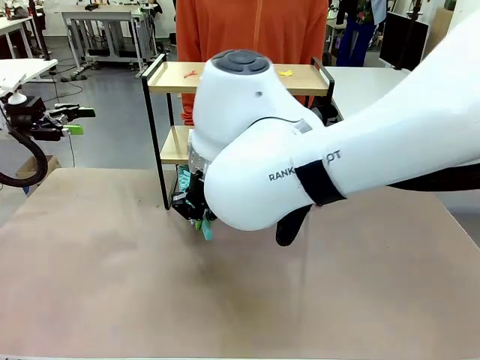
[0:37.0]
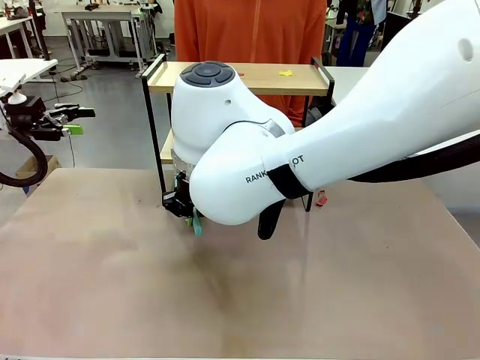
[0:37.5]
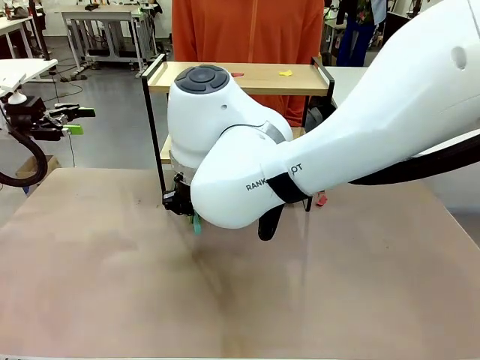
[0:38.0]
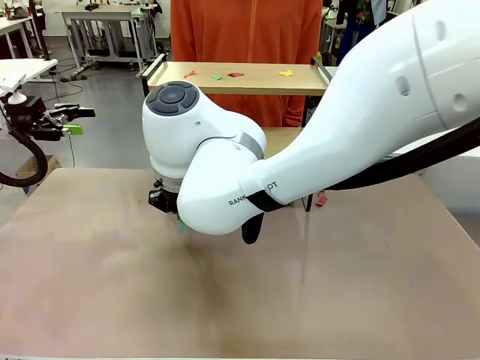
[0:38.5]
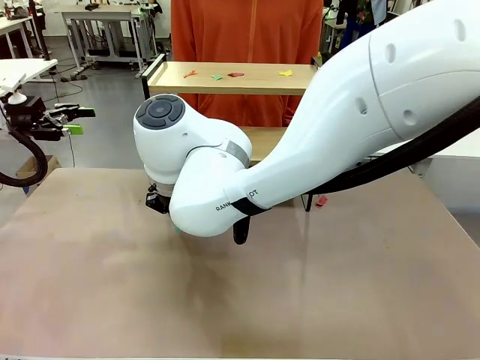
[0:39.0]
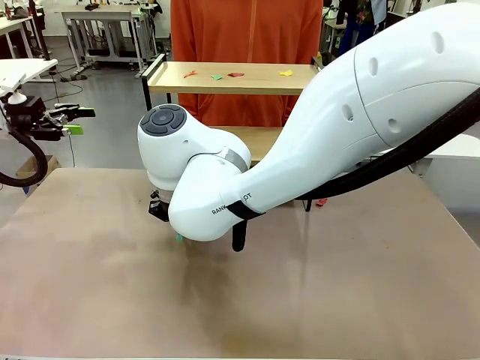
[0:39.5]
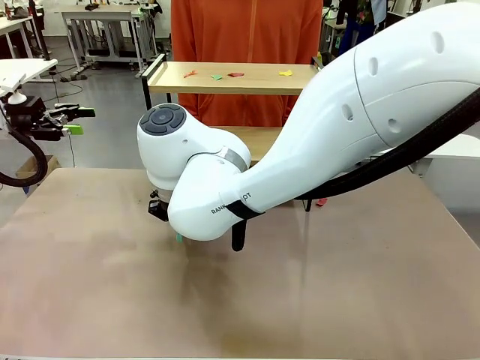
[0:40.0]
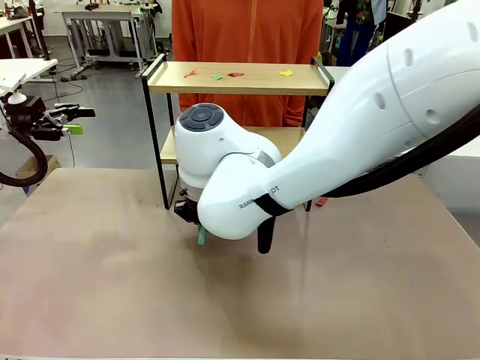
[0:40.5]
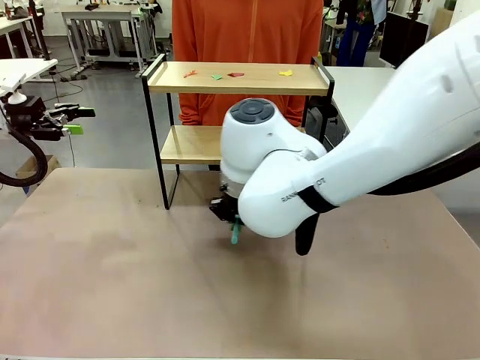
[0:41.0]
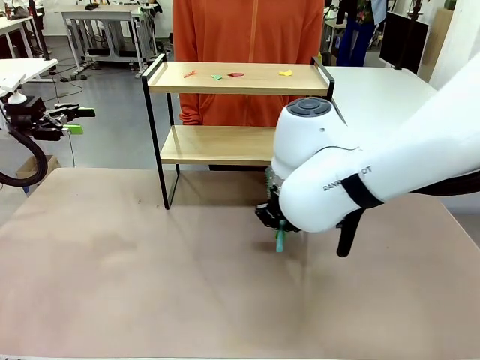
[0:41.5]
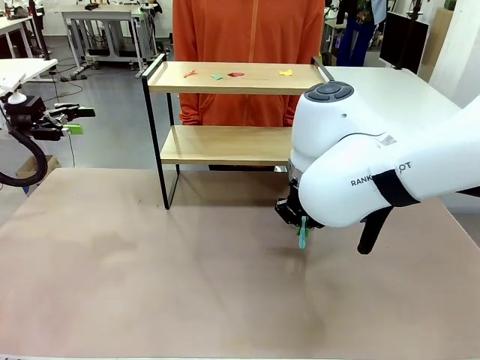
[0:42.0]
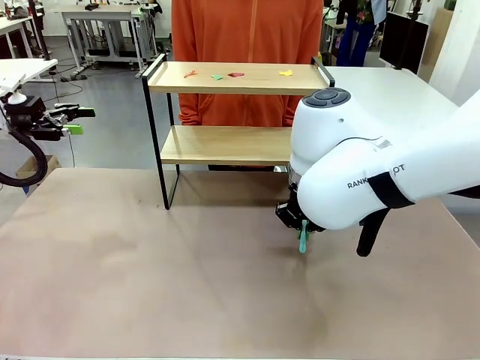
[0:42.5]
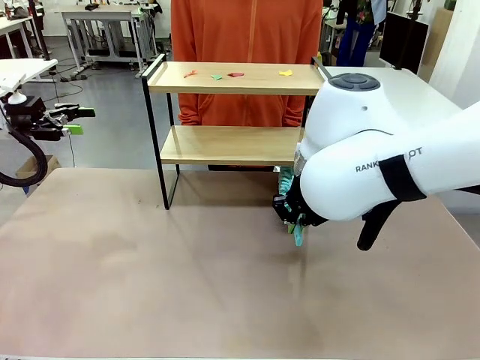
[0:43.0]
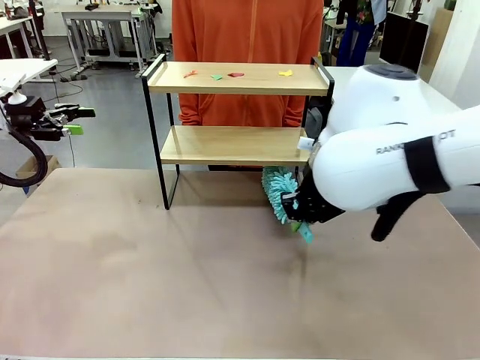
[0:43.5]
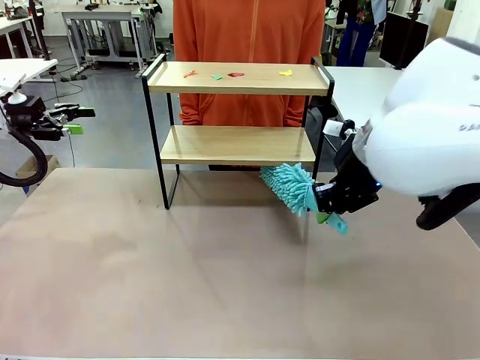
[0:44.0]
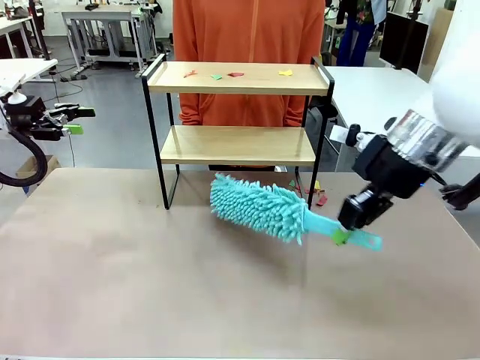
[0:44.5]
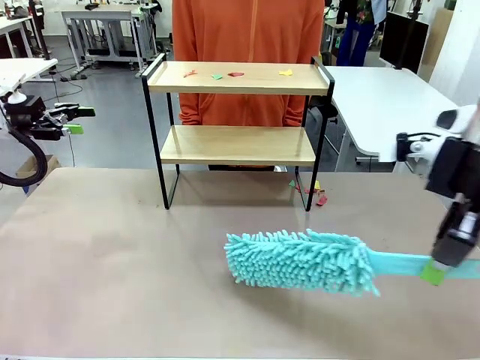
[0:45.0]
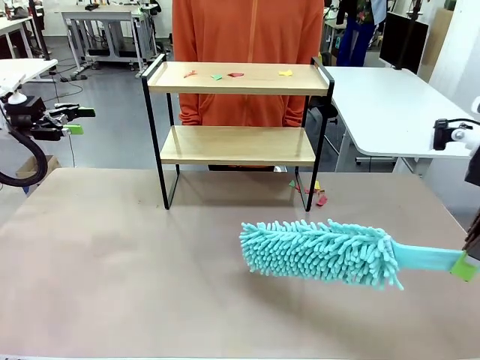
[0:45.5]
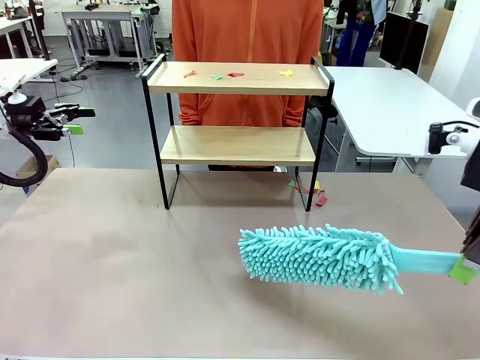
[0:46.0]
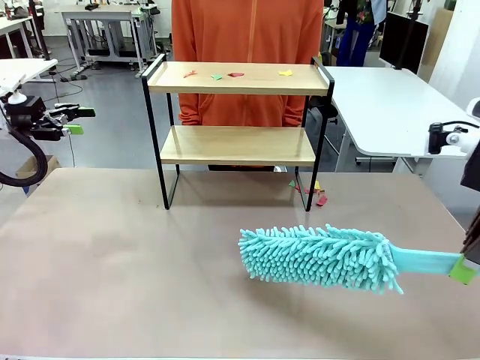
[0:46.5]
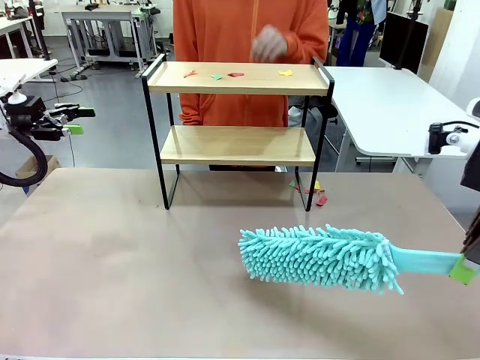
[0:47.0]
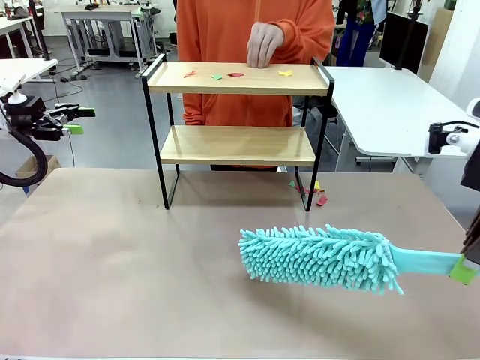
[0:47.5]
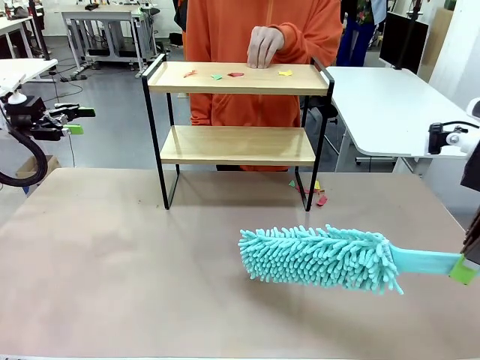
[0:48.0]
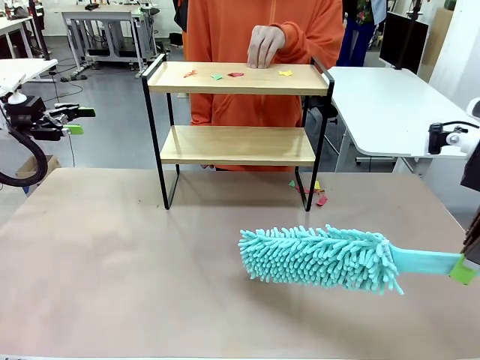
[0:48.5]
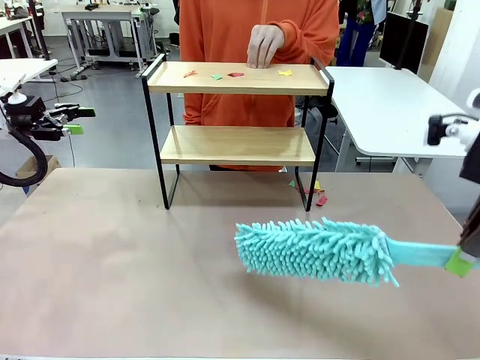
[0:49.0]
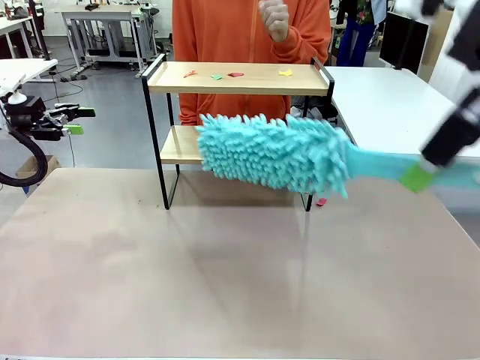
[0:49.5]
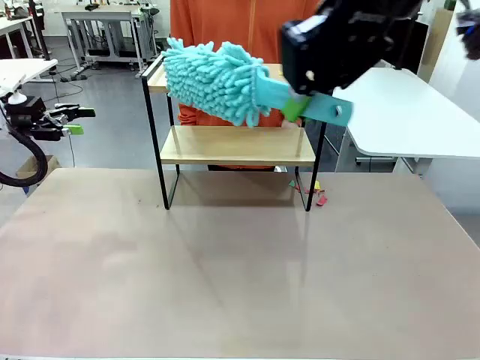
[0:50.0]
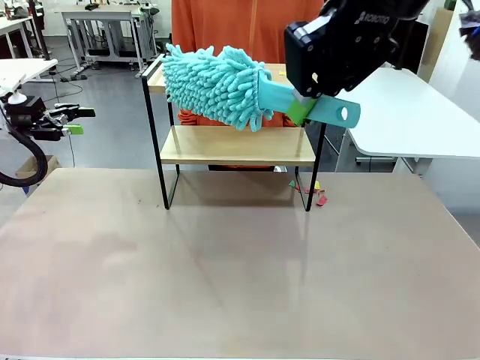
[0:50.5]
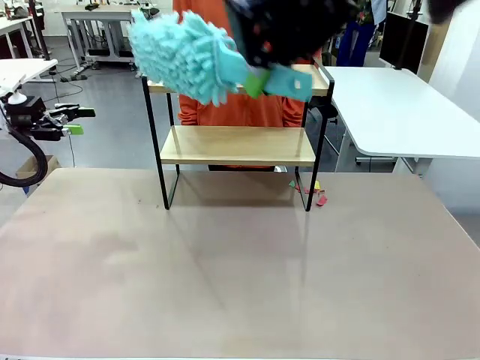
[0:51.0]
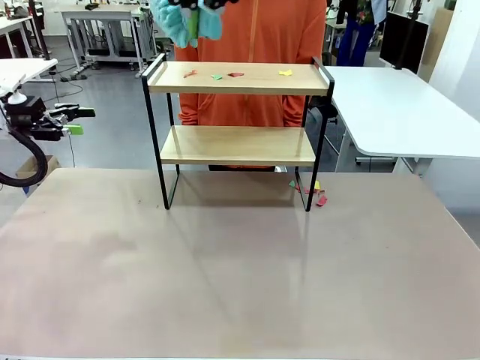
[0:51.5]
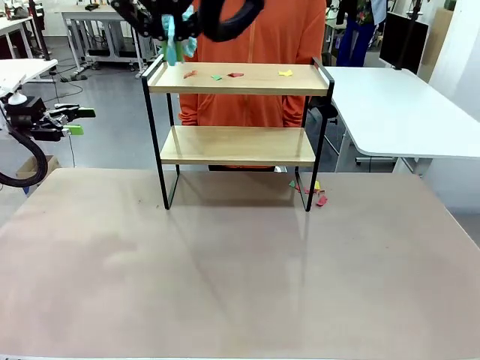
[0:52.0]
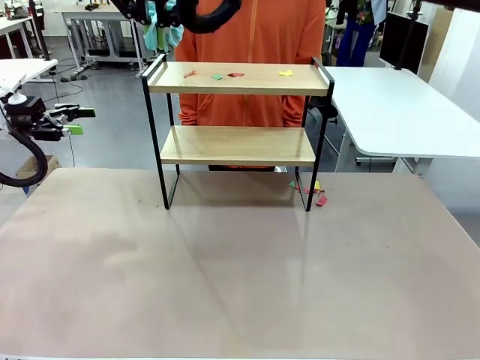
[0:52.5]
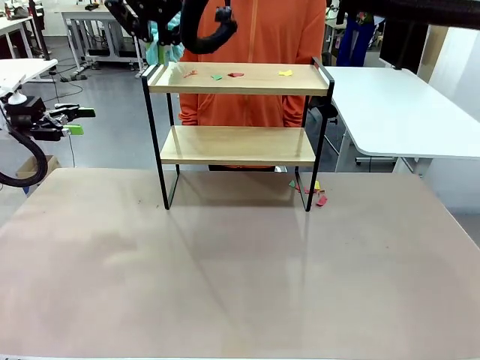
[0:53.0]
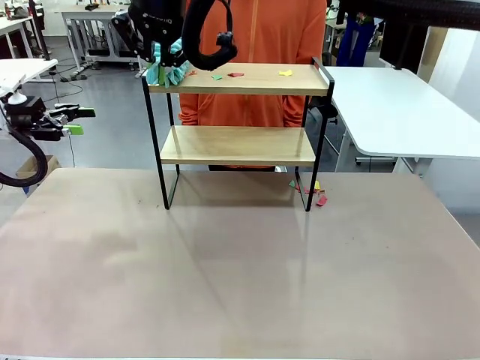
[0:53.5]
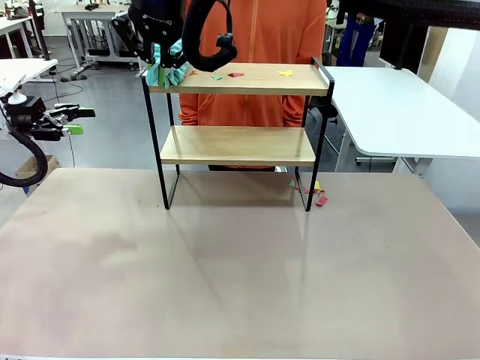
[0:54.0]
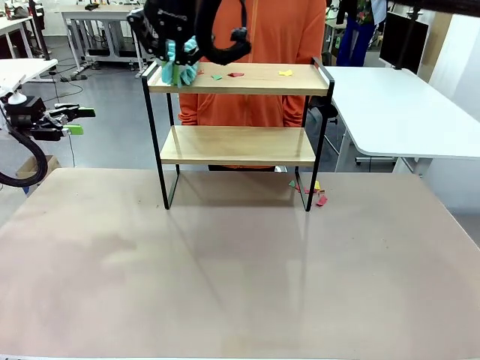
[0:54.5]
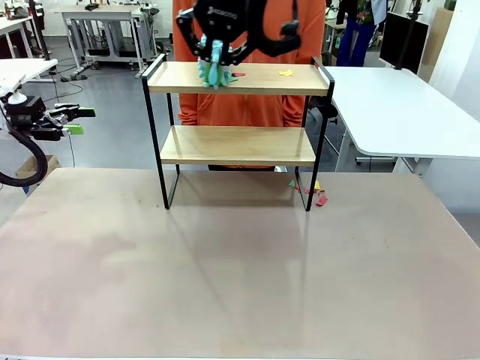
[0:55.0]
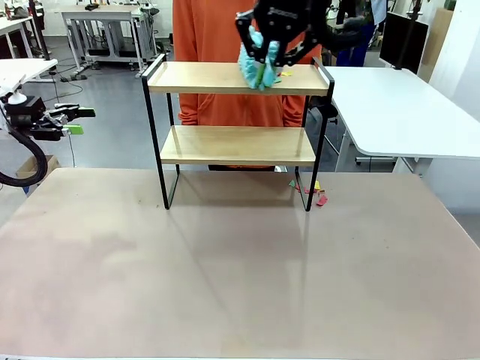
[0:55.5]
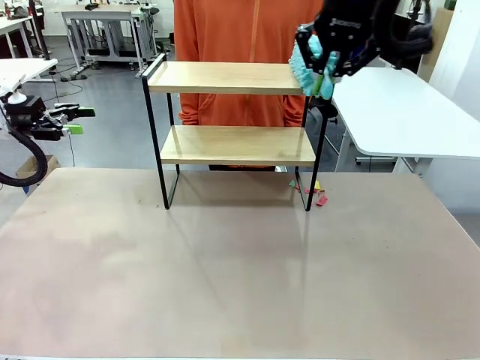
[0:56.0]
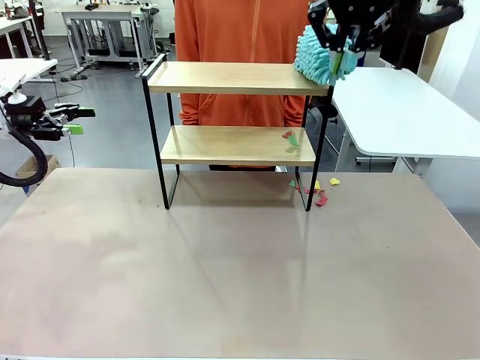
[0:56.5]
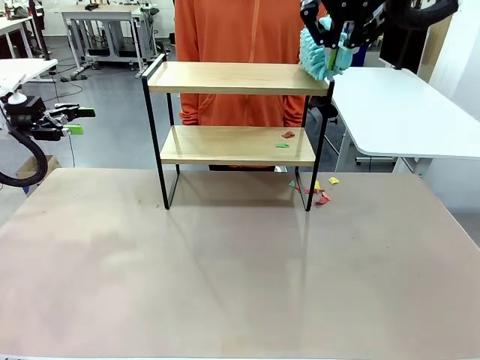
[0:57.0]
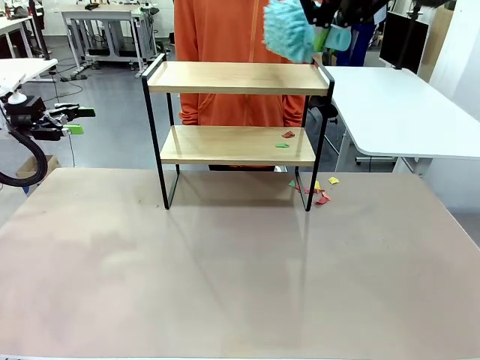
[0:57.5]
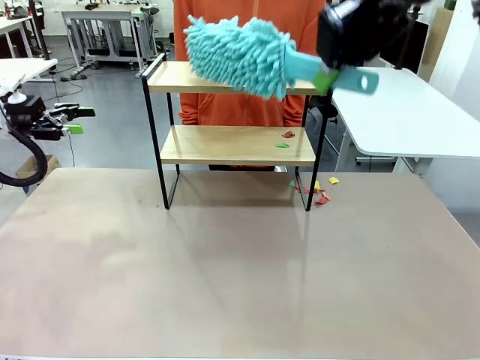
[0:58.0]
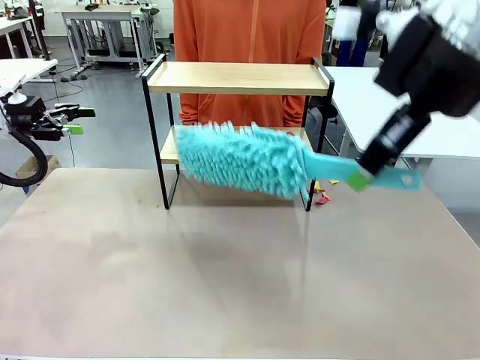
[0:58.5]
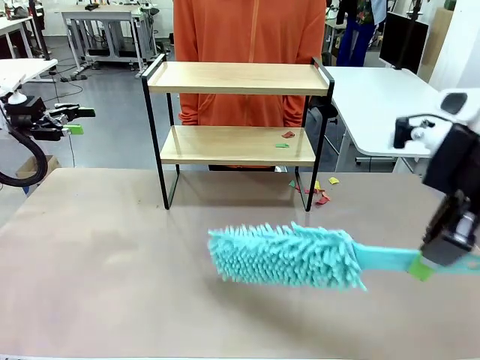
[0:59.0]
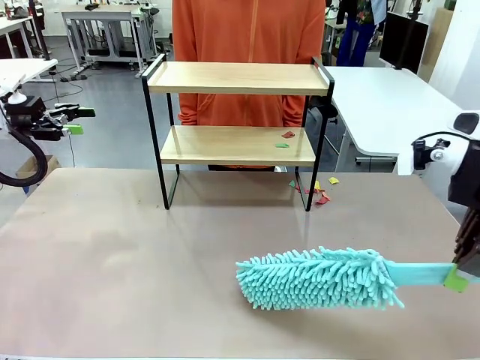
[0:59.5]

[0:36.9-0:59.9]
Task: Clean the shelf.
Robot: Clean the specific section of the Shelf indicated by the human with the Duster.
Person: Point a remaining section of the Shelf.

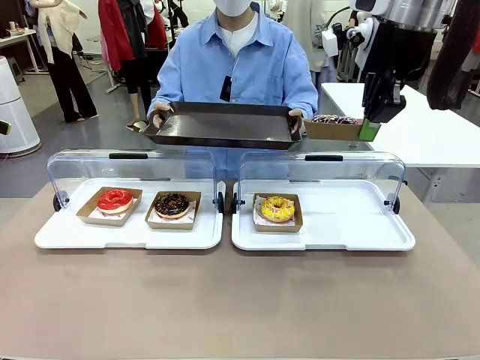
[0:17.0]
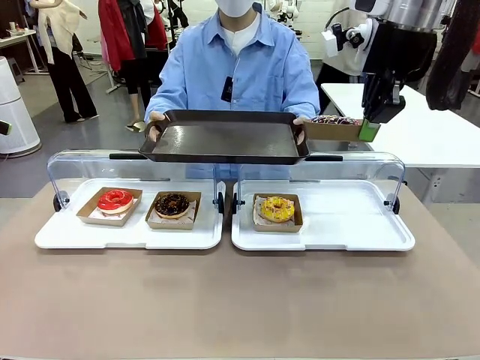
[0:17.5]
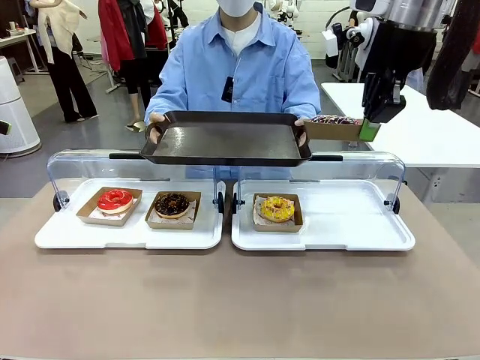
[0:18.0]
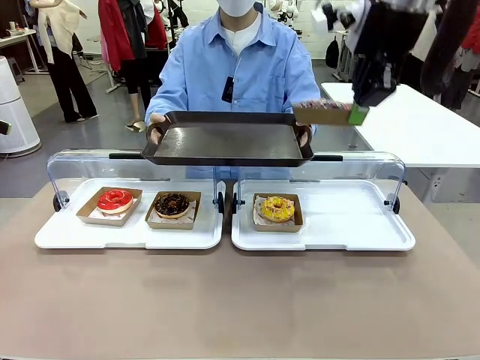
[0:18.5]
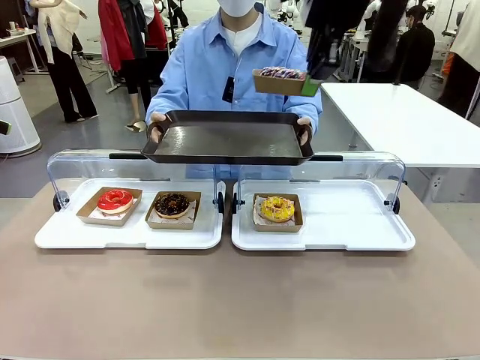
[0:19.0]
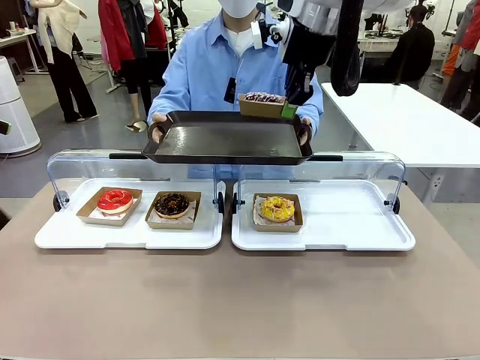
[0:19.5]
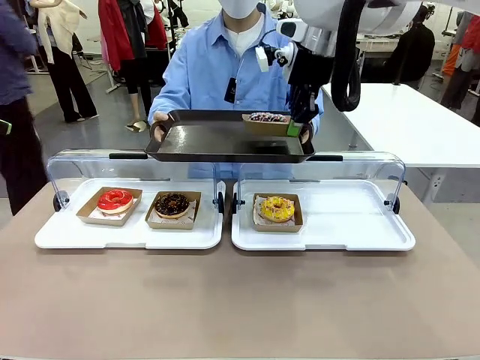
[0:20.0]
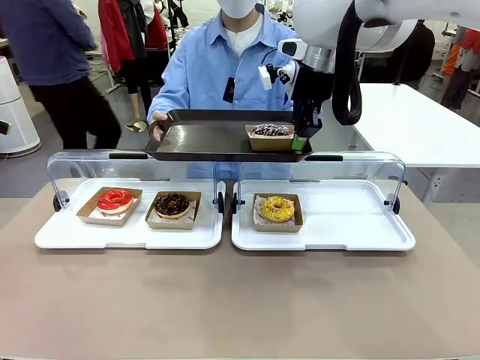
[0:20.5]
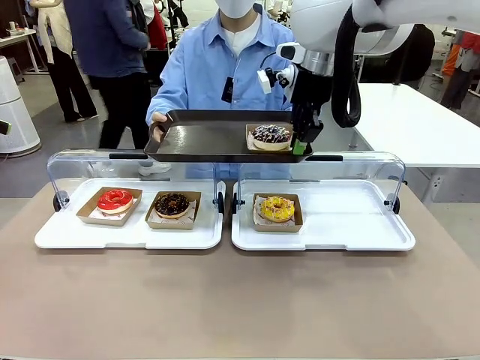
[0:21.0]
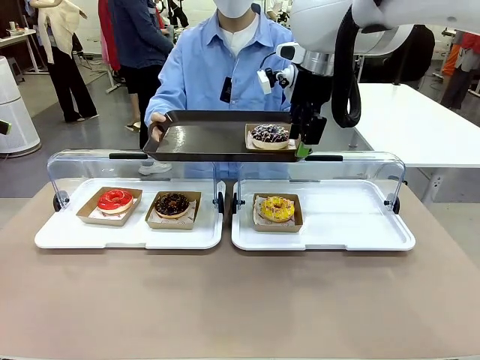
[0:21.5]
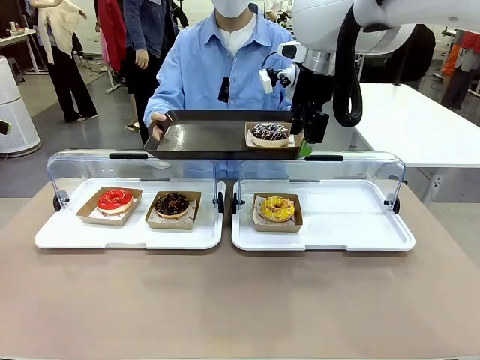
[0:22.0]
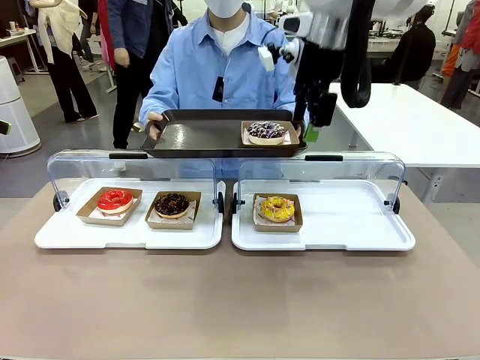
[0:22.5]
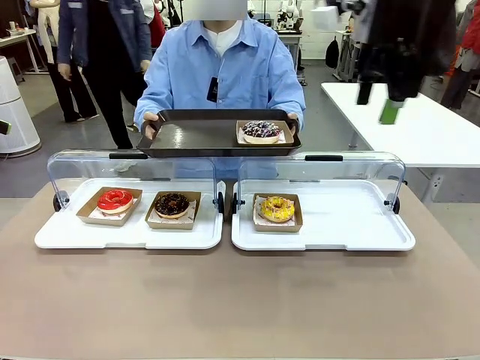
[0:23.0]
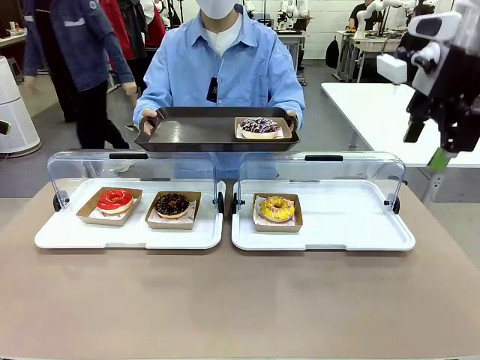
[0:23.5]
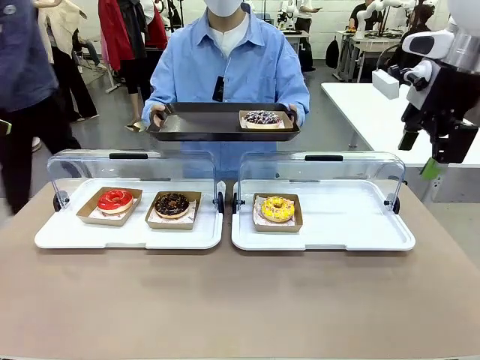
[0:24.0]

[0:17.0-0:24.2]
Task: Provide the desired donut to the person.
Robot: Place the picked Paper togo box onto the Handle tray extended by the person.
